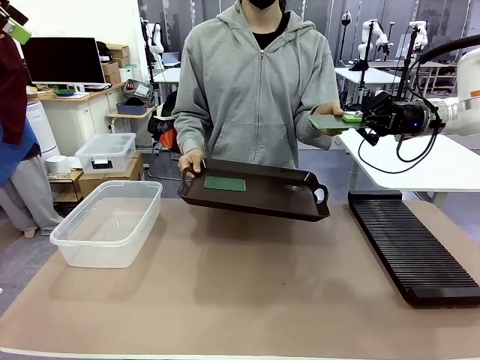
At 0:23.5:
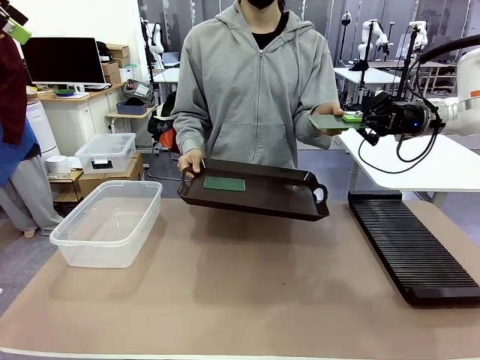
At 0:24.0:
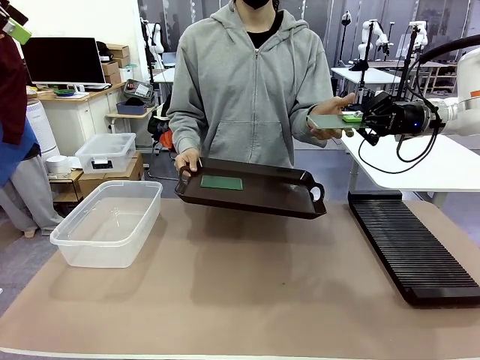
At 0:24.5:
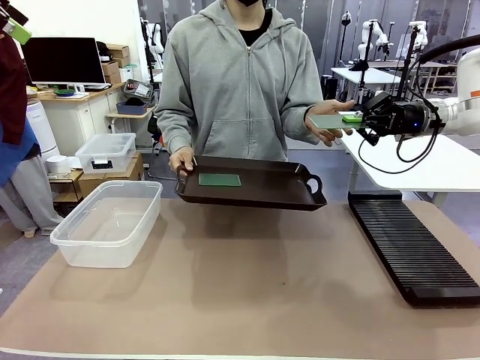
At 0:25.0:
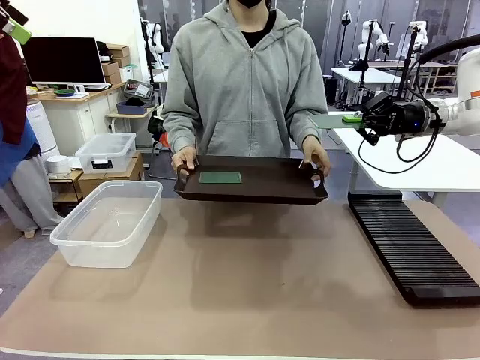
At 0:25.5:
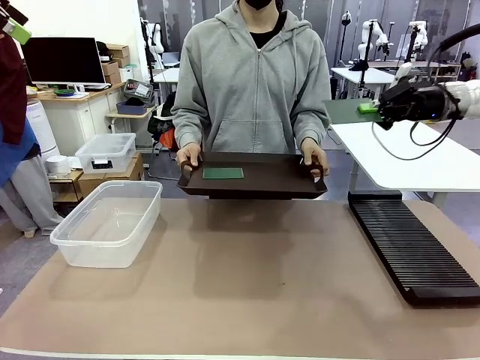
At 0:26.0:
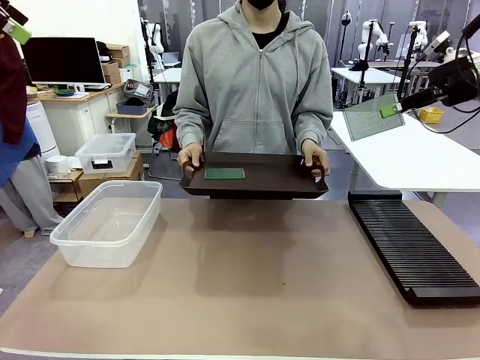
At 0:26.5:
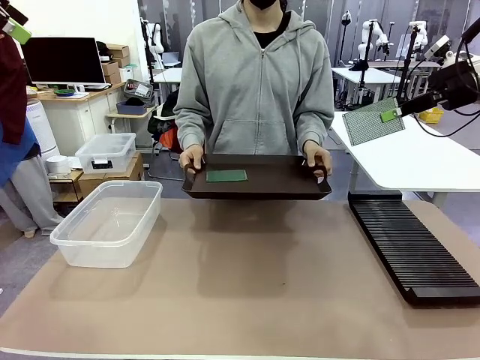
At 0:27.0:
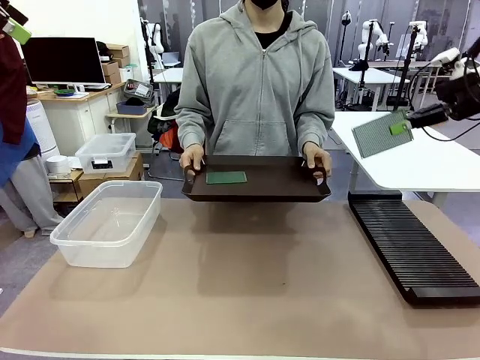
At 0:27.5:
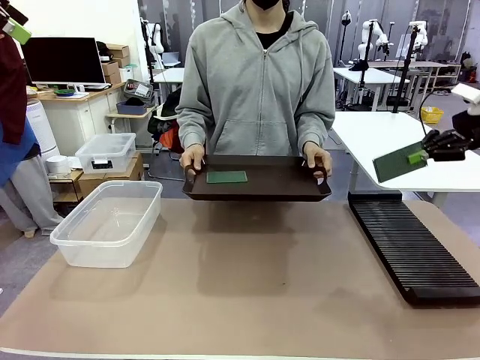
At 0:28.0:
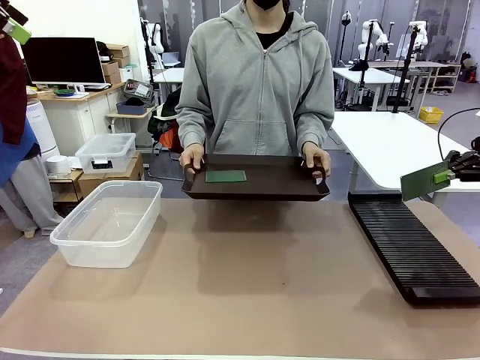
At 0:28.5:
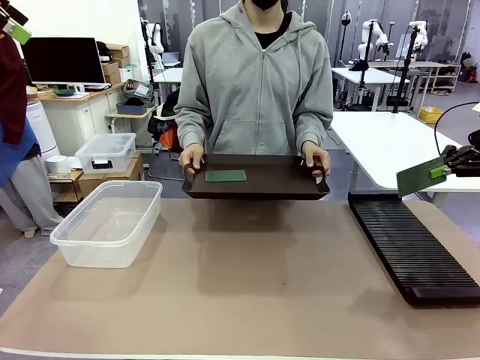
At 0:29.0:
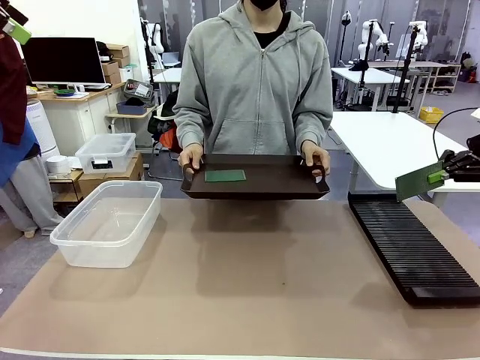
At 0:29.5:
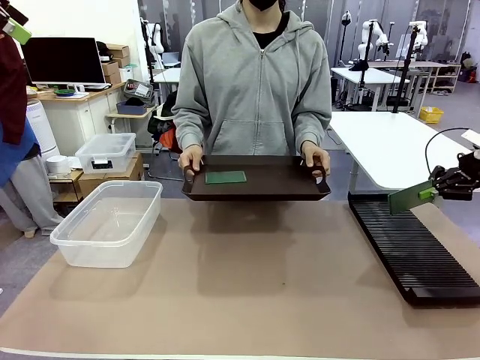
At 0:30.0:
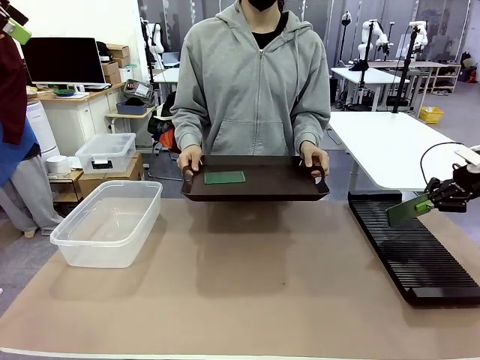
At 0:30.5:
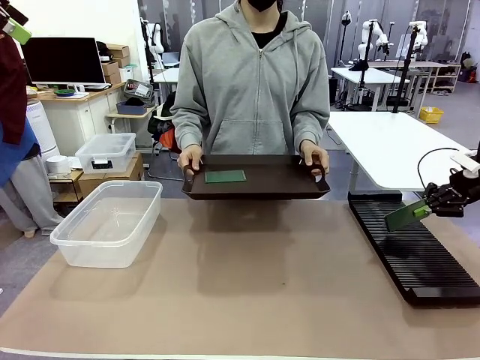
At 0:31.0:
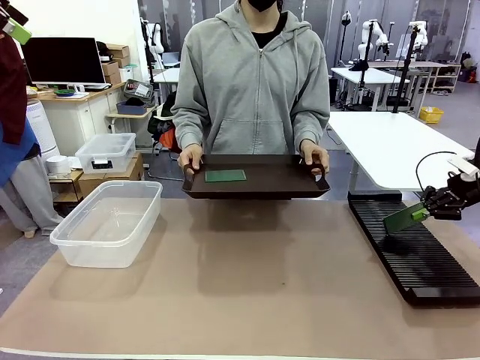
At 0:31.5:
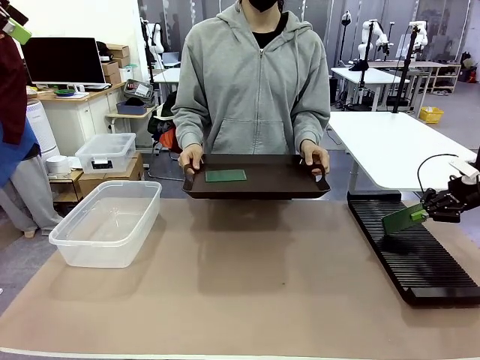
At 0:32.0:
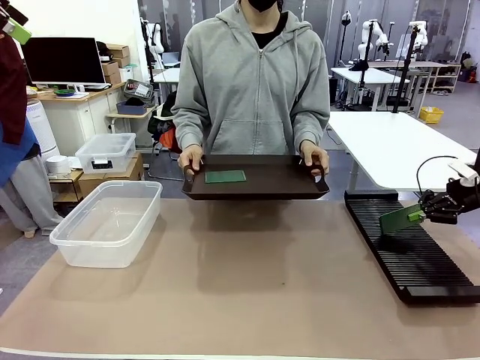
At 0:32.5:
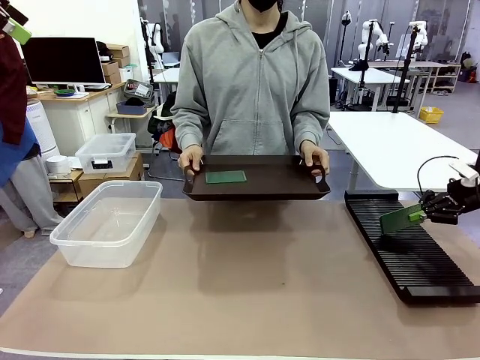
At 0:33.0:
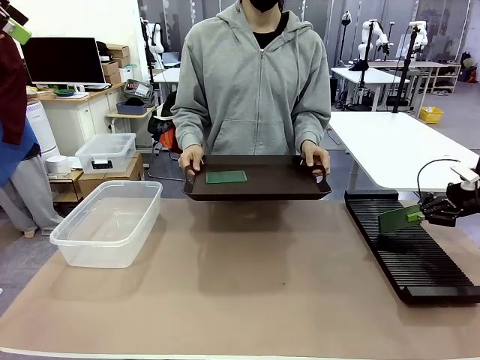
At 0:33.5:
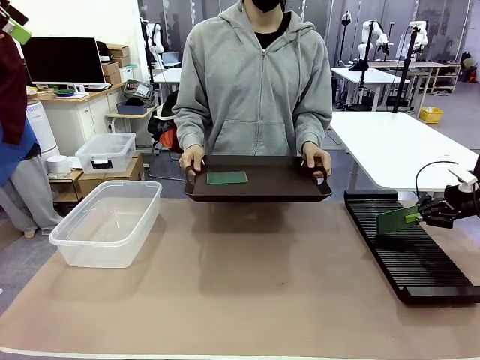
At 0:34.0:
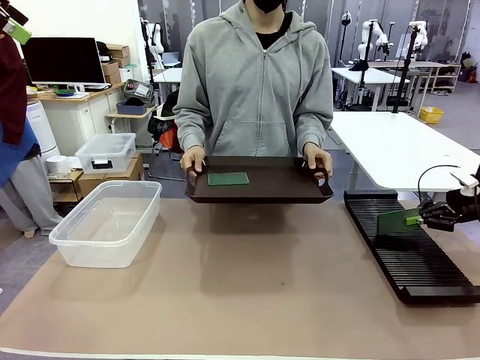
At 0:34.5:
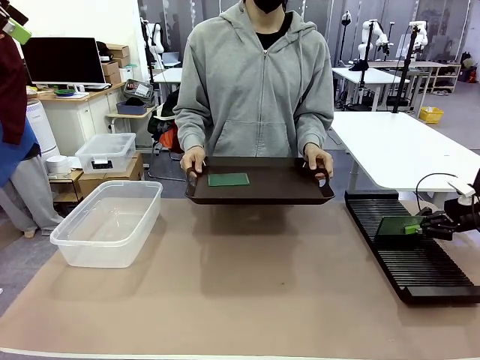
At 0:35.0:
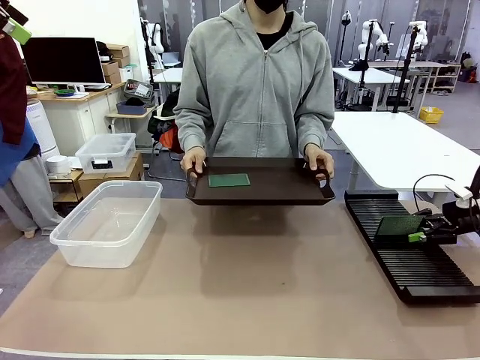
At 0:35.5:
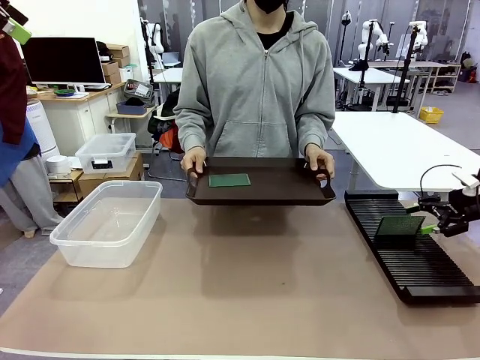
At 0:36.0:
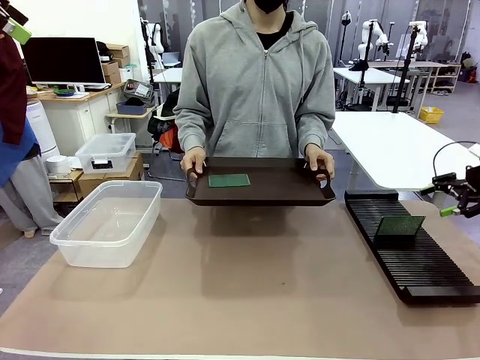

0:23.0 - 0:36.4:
Task: Sort PCBs into racks and boxes based on the side picked up.
Robot: If the short side of the Blank PCB is picked up, insert it into the PCB Rack ; if the long side is picked up, place it in the Organizing box.
Person: Pick one PCB from the tray and present it to the robot.

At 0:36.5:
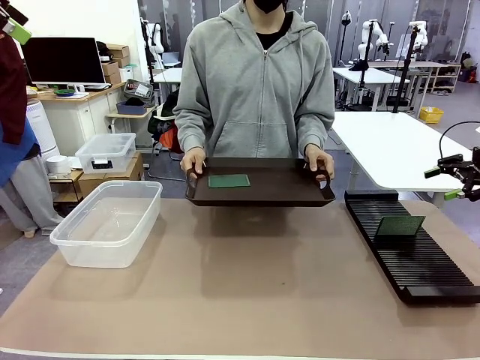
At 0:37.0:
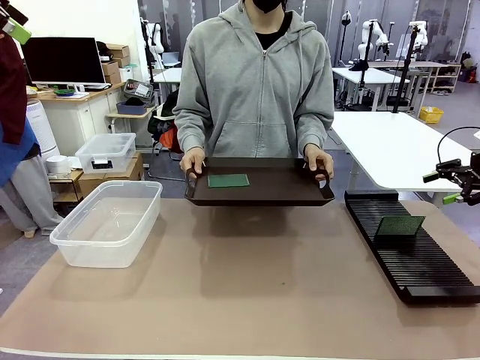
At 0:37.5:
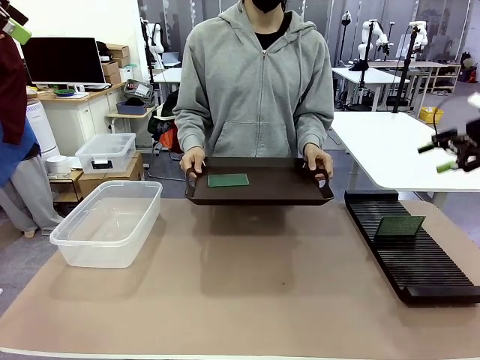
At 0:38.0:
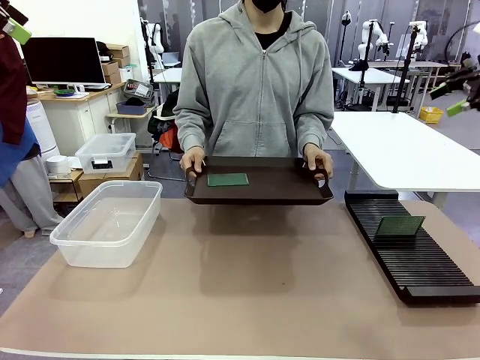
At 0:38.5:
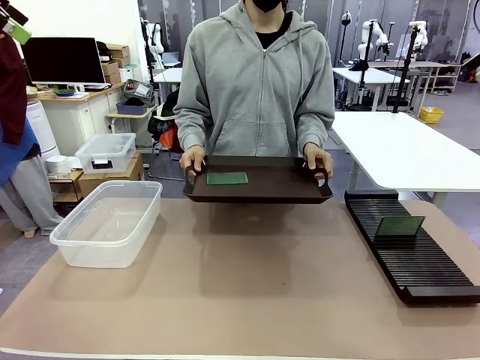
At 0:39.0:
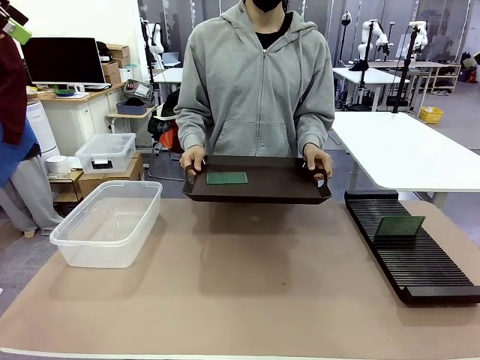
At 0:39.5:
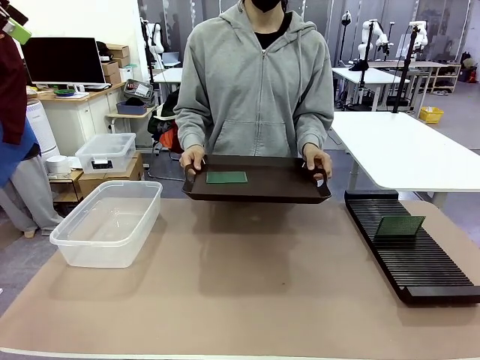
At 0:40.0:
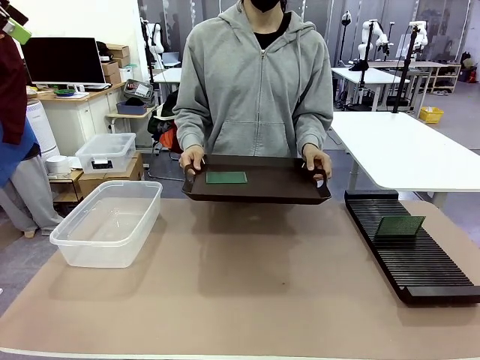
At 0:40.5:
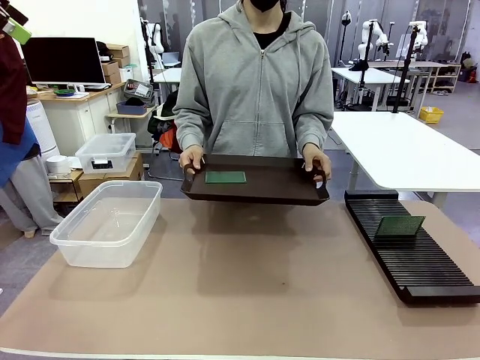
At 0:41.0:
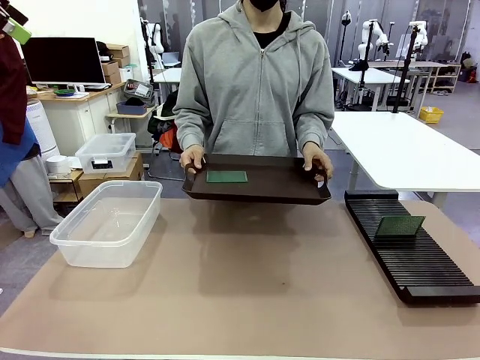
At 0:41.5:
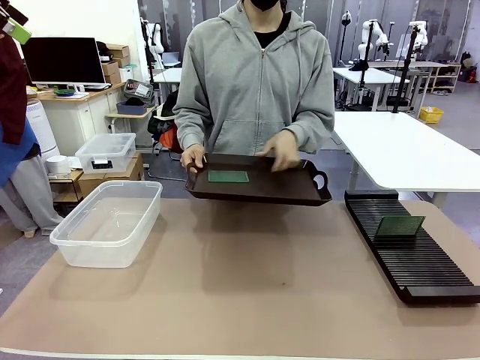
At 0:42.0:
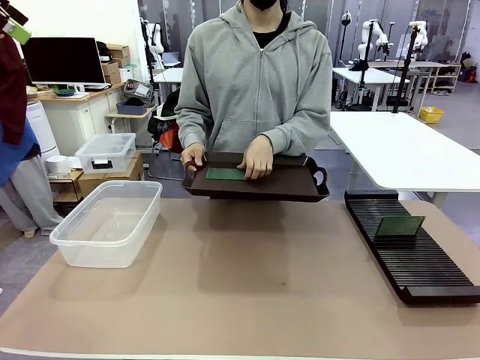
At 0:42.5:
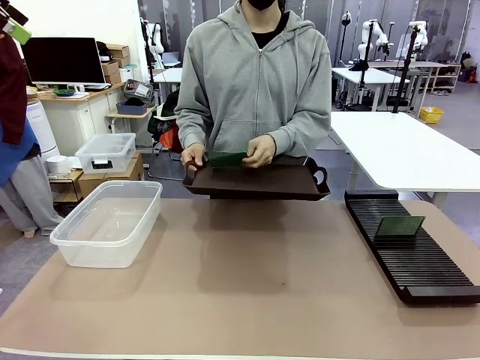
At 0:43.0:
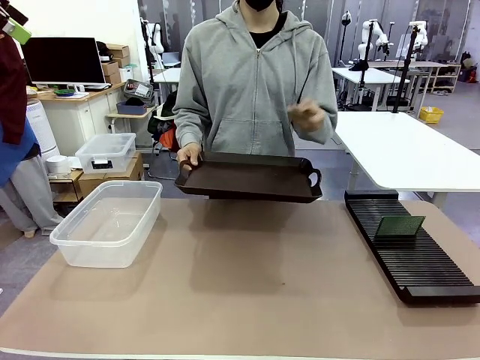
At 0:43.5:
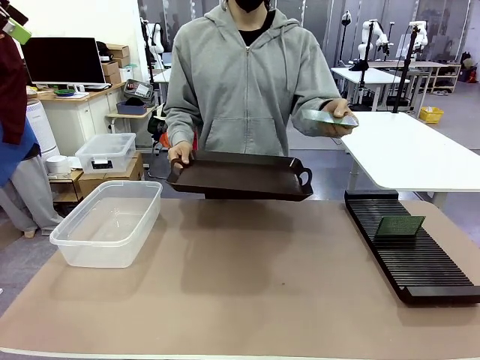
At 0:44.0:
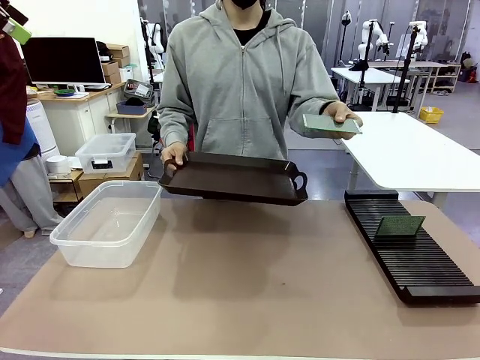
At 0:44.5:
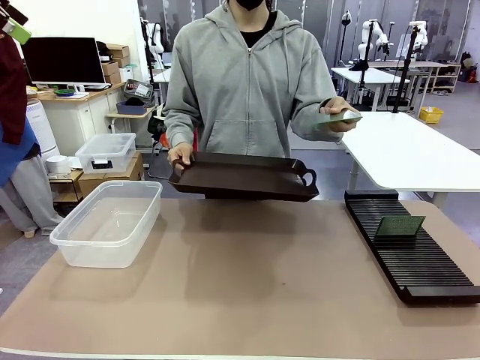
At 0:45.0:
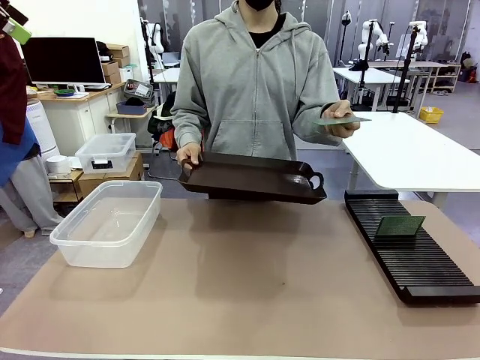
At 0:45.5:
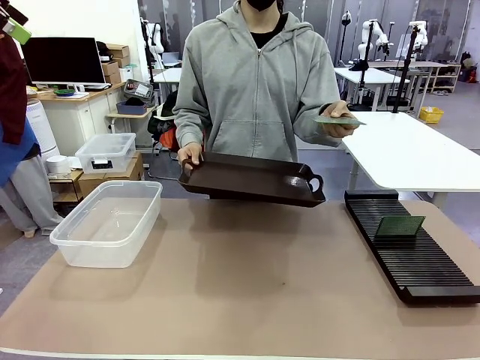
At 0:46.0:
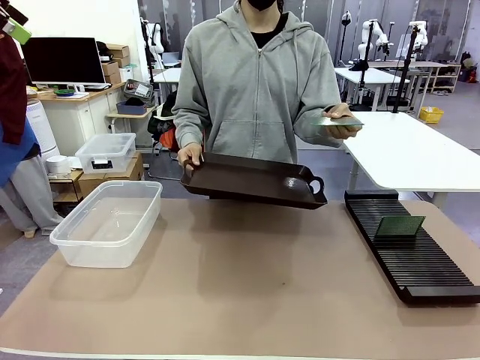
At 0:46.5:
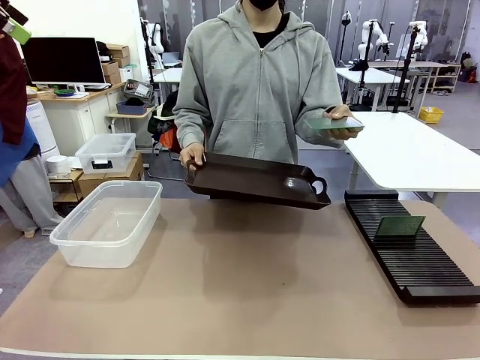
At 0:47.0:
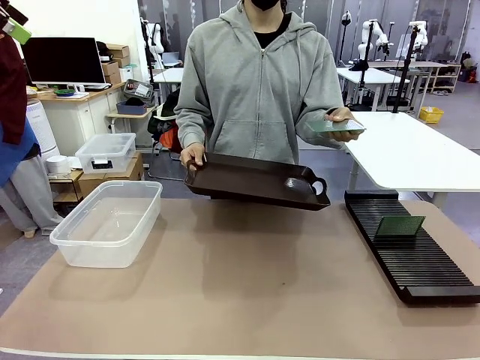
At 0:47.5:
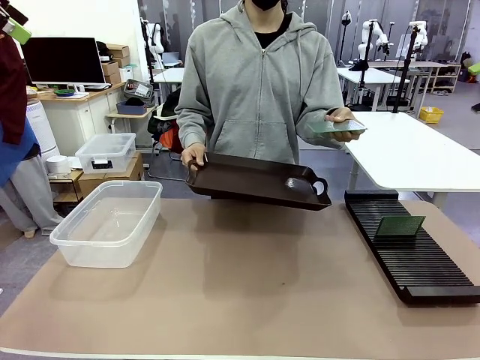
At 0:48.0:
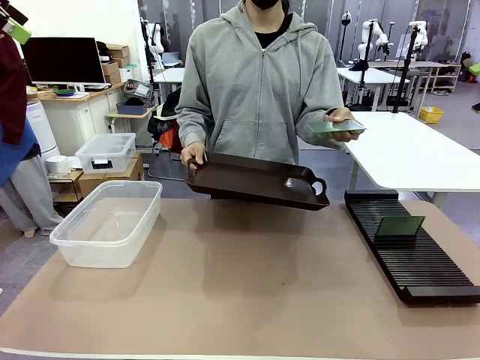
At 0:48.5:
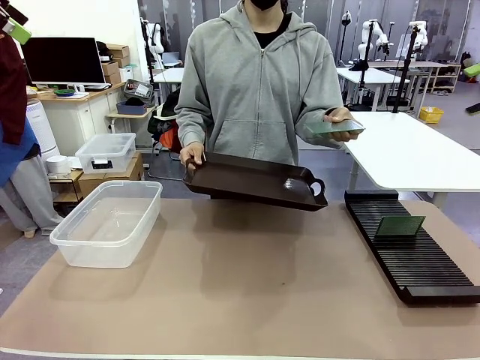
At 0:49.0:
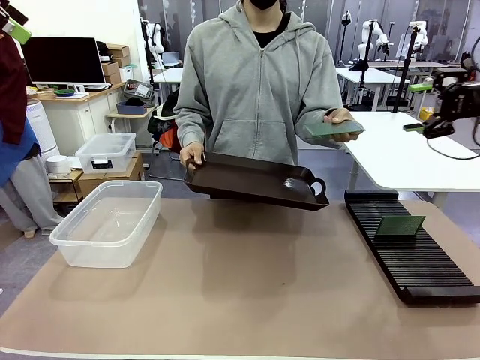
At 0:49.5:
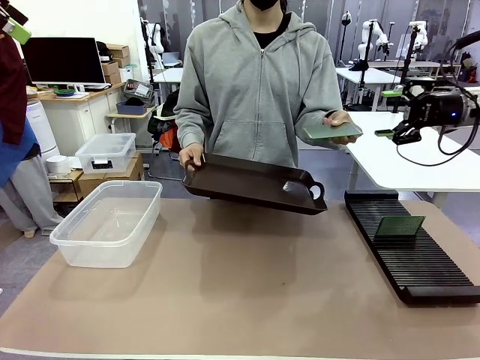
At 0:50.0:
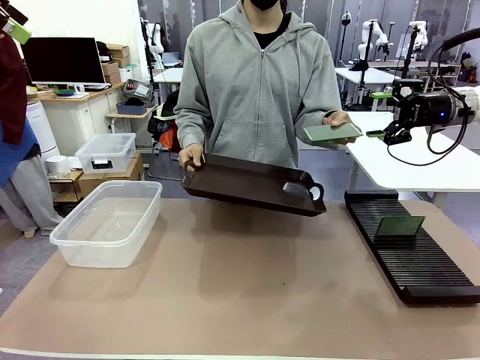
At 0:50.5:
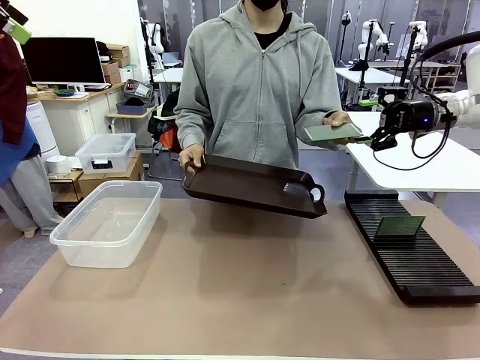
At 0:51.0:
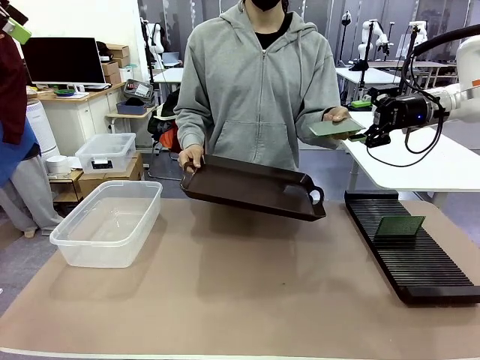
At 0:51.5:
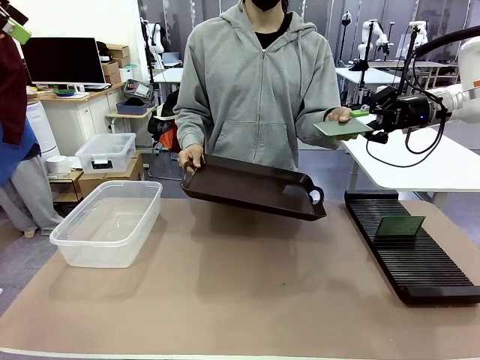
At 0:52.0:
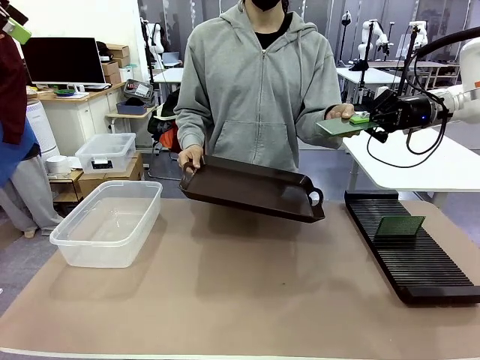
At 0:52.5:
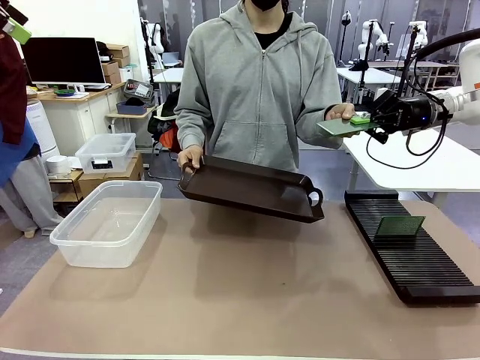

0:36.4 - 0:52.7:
Robot: Pick up the Blank PCB handed by the Human.
